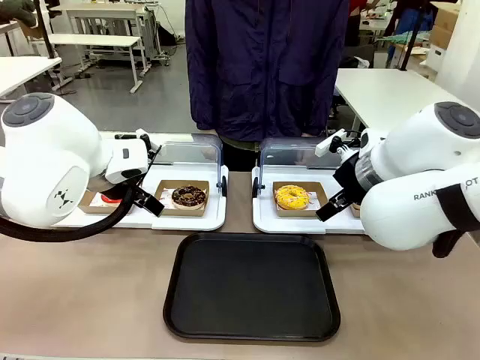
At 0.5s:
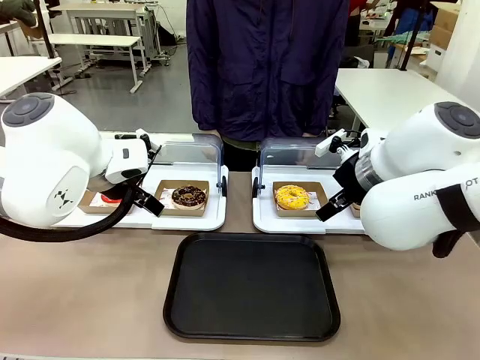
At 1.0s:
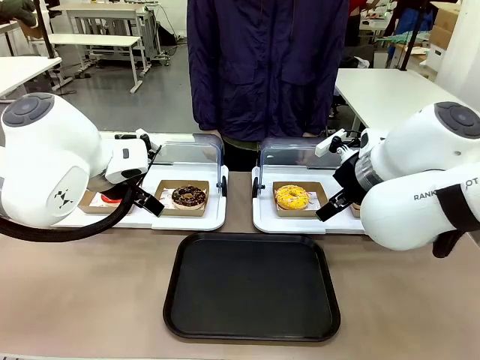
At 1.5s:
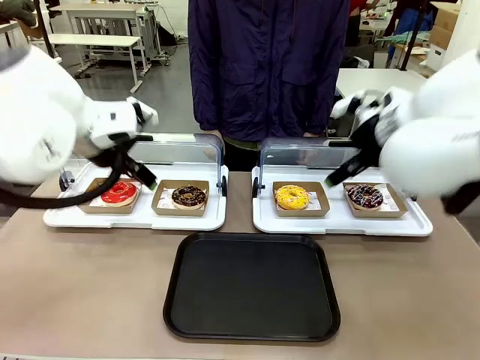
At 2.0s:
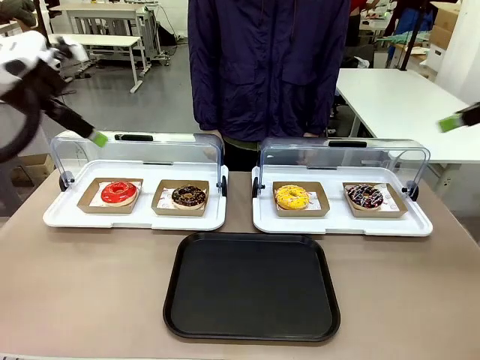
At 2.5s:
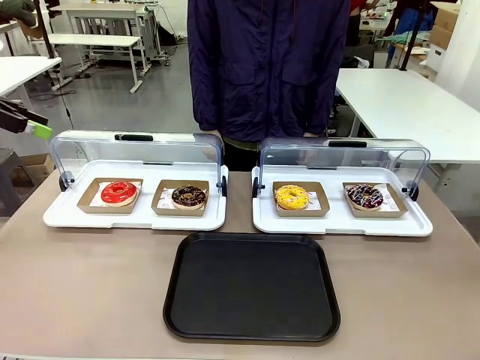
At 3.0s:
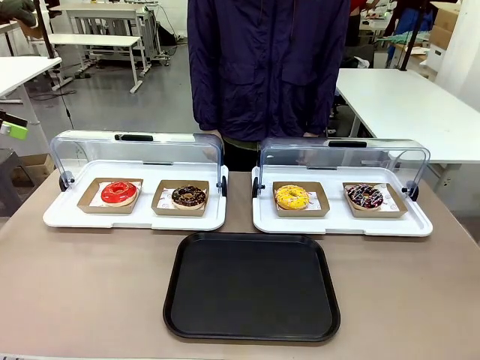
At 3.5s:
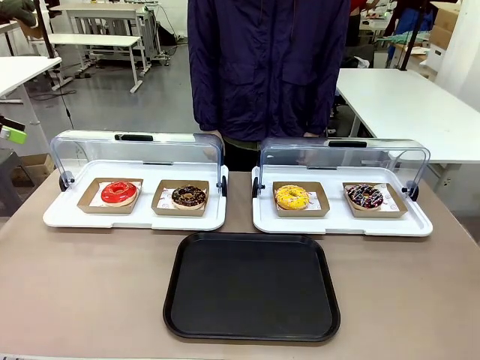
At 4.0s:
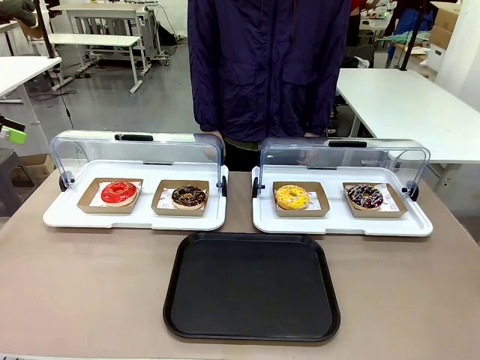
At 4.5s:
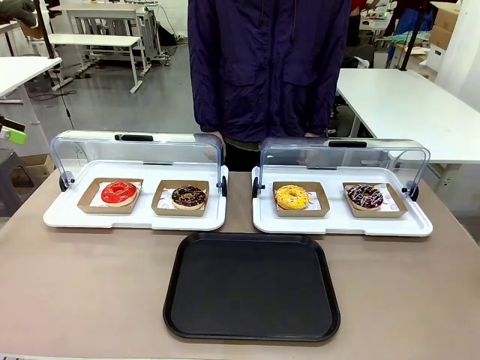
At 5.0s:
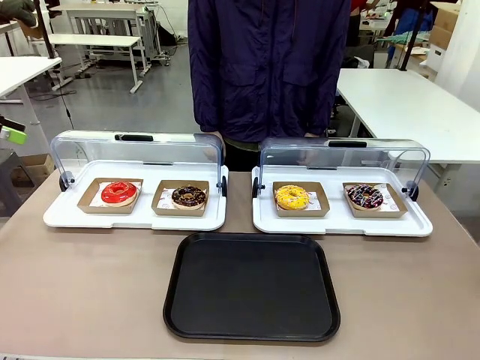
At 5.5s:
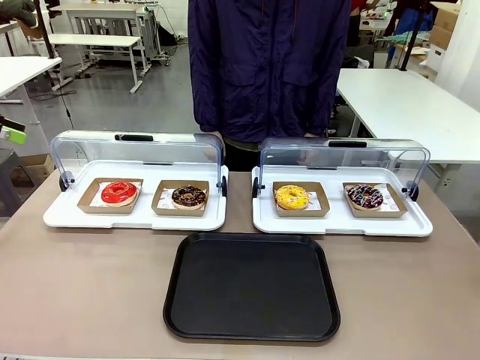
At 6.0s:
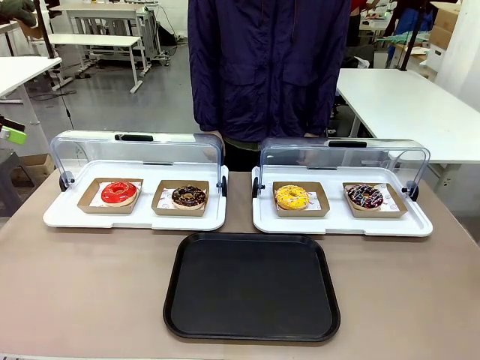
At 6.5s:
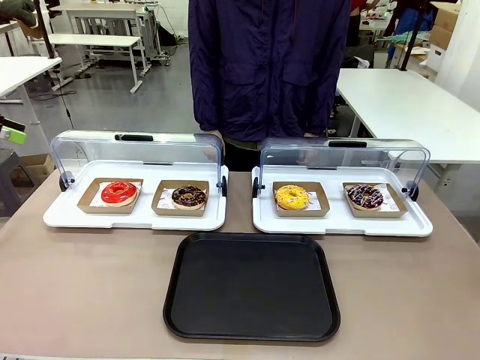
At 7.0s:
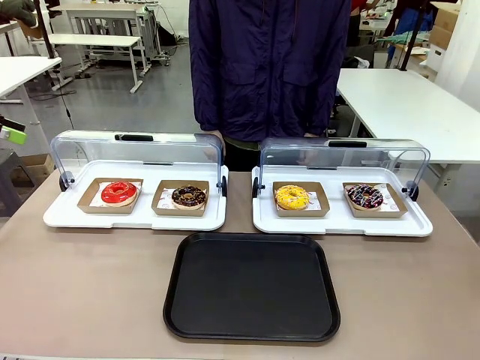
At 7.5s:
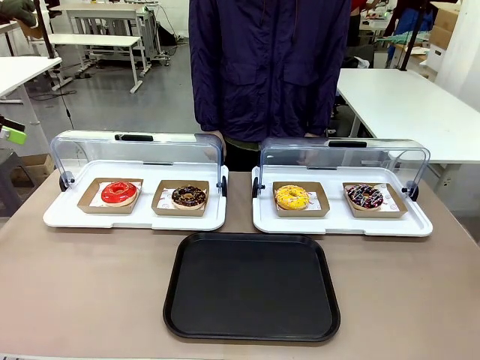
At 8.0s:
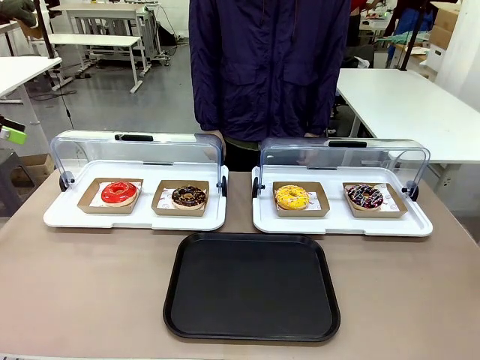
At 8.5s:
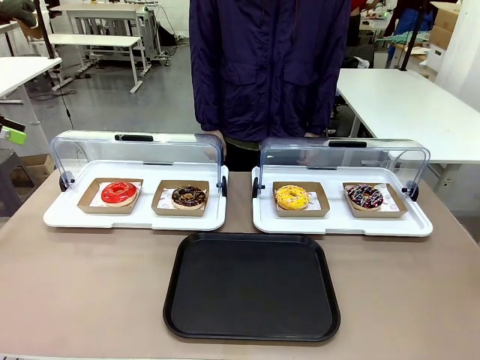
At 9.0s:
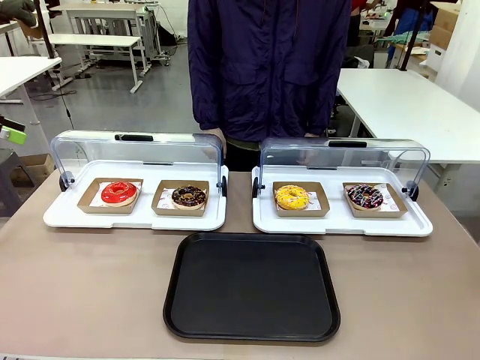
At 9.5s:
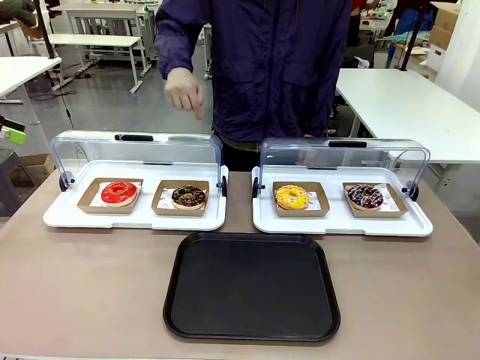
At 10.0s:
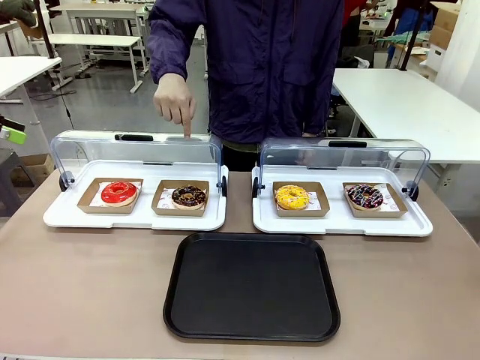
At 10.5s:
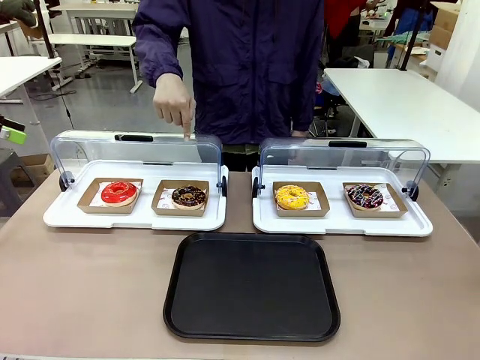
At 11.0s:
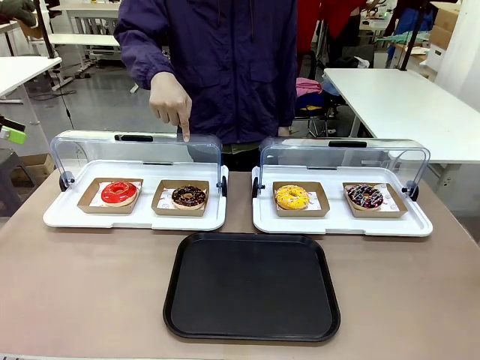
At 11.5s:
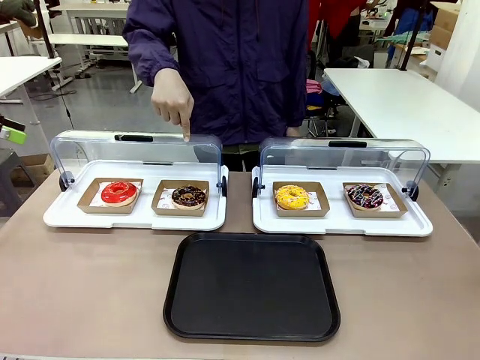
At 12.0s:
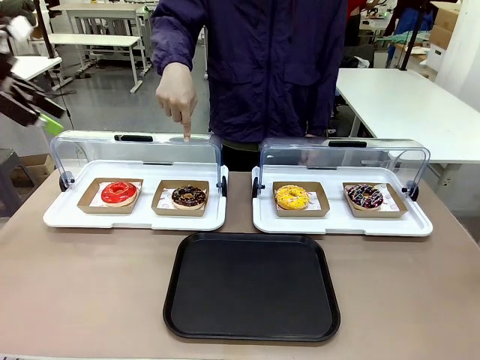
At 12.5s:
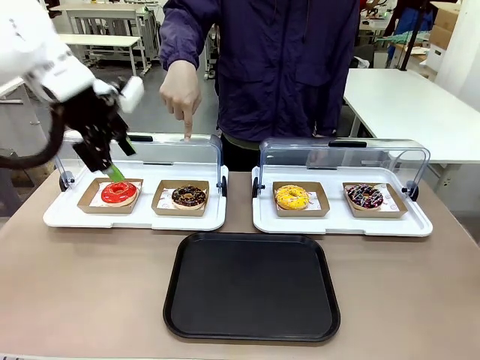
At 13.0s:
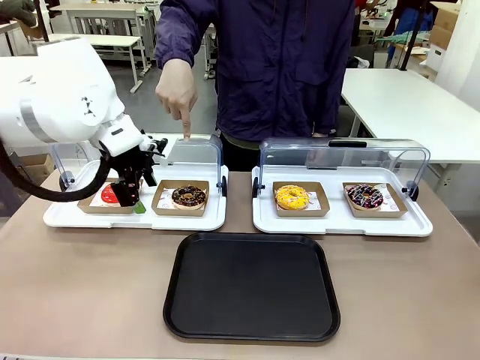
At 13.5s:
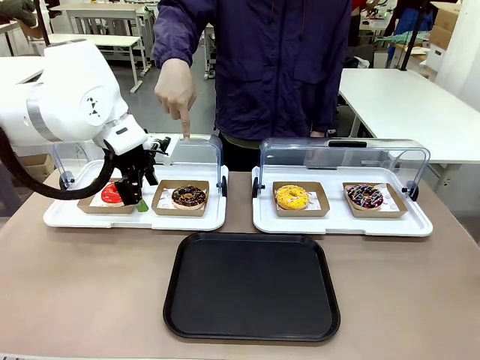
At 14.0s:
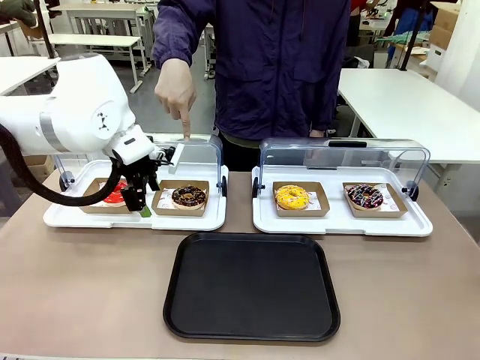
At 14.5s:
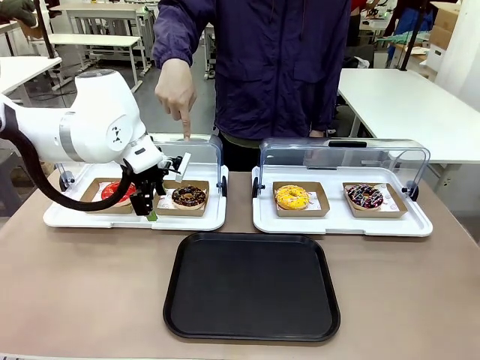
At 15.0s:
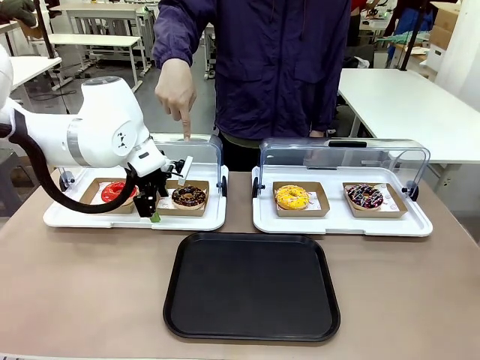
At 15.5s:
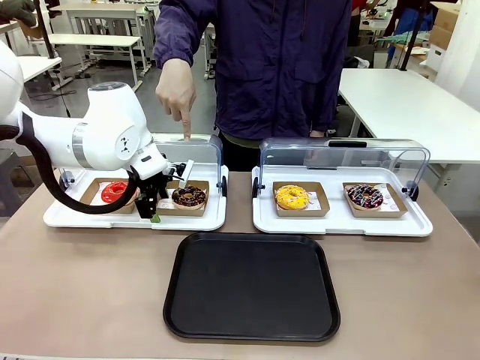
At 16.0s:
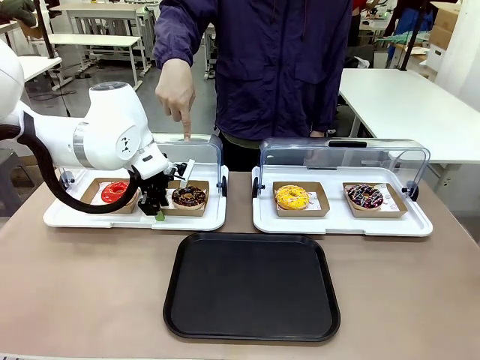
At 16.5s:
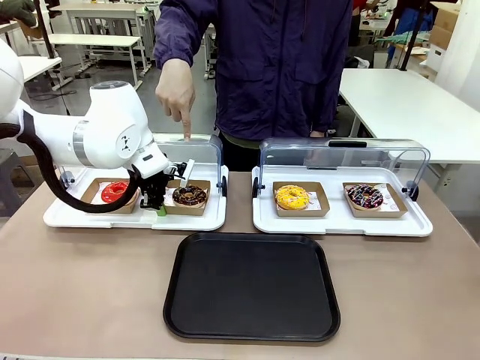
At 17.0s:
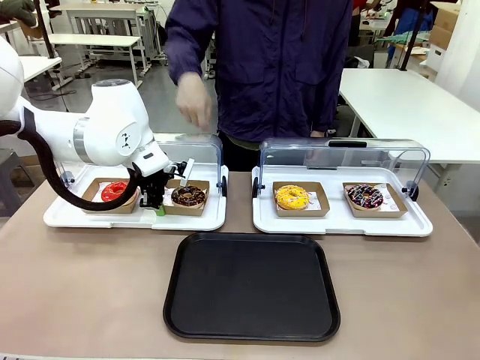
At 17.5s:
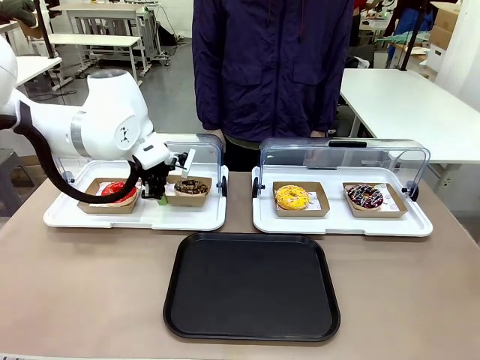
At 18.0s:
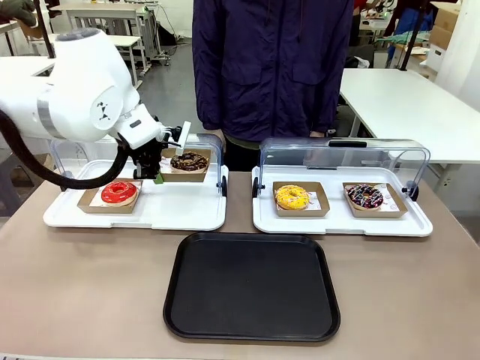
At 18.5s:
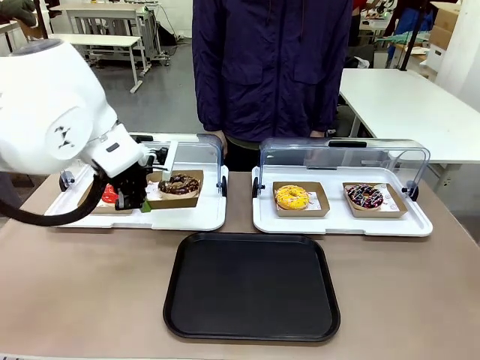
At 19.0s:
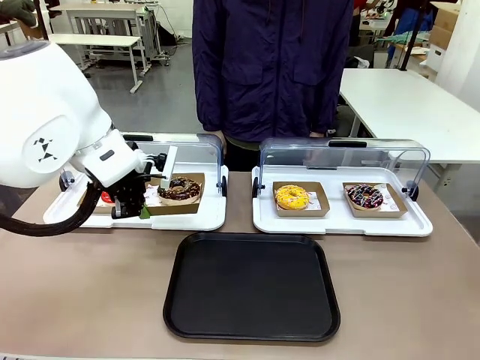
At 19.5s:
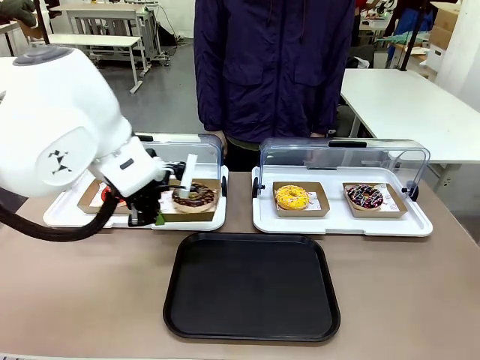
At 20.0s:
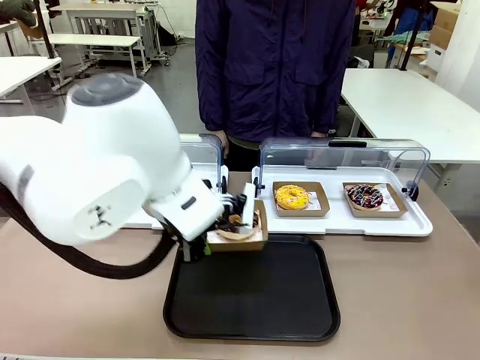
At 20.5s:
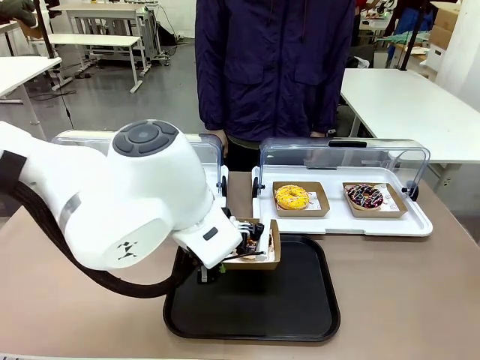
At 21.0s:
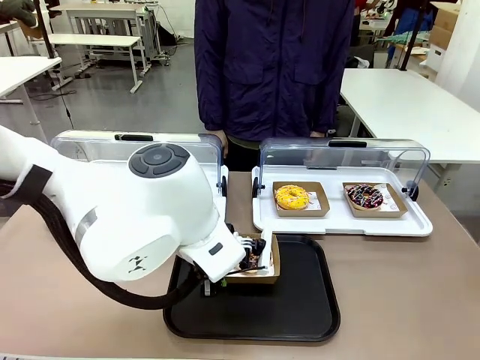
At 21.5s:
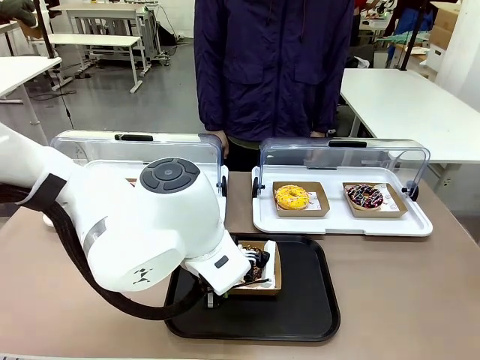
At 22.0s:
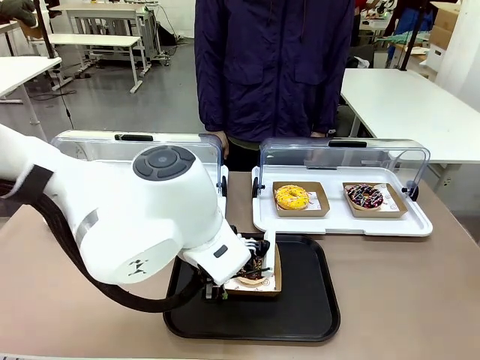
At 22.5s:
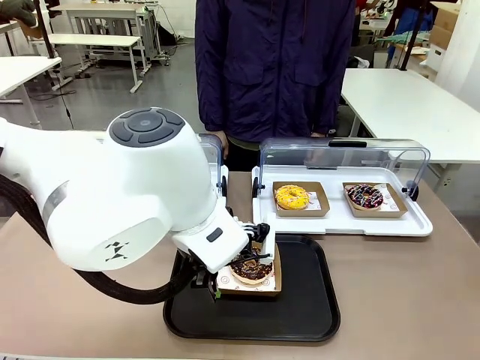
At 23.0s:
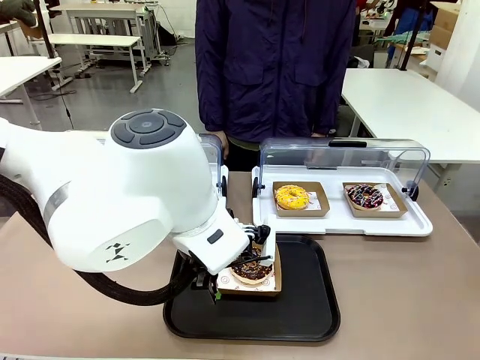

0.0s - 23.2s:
Task: Move the second donut from the left to the tray.
Robot: Pick up the Paper togo box containing the Donut indicated by the person and place it on the Handle tray.
Person: Points to the second donut from the left from the robot’s perspective.

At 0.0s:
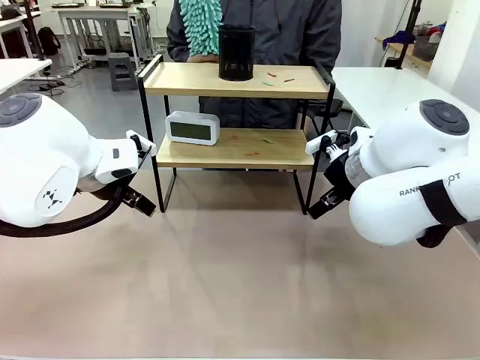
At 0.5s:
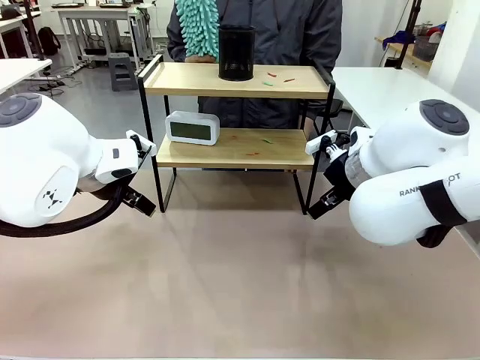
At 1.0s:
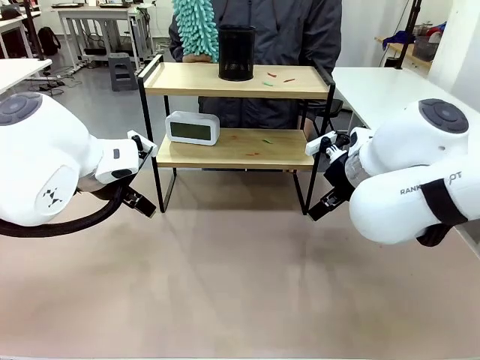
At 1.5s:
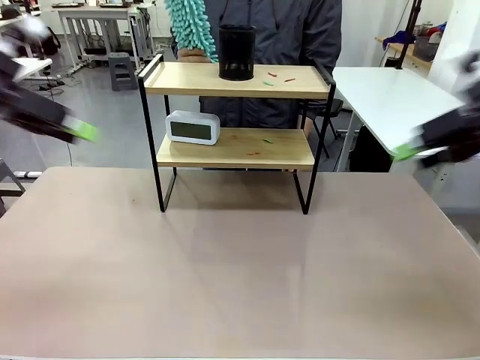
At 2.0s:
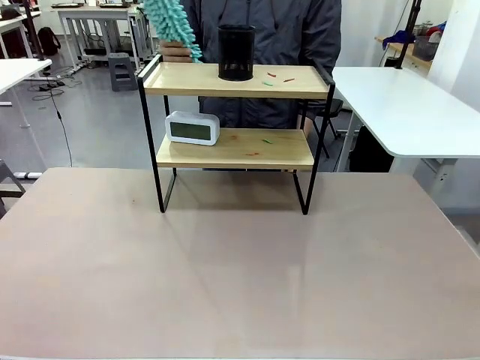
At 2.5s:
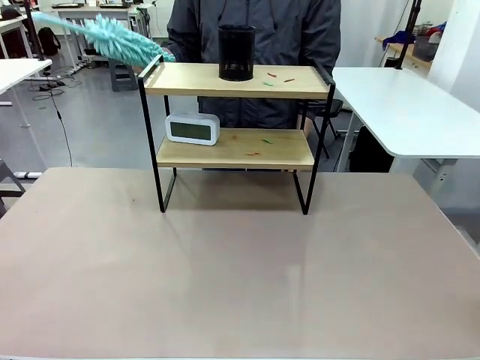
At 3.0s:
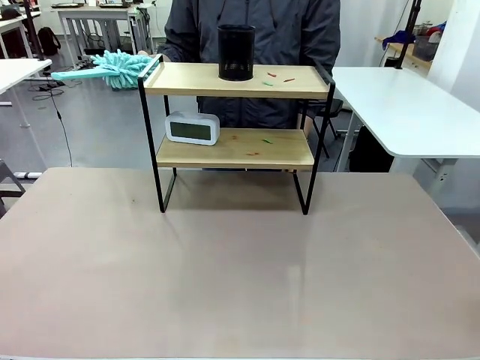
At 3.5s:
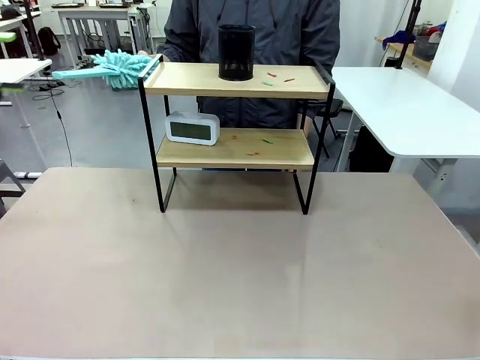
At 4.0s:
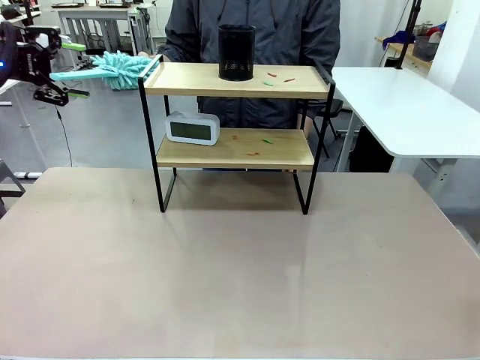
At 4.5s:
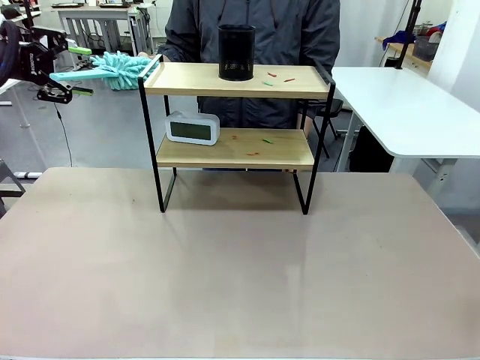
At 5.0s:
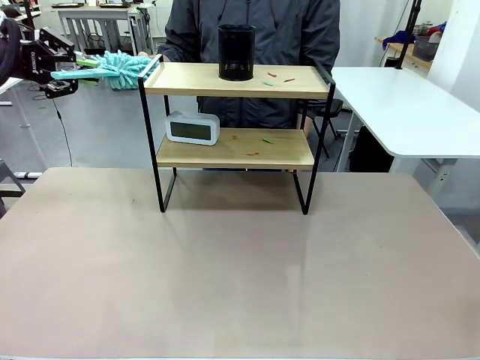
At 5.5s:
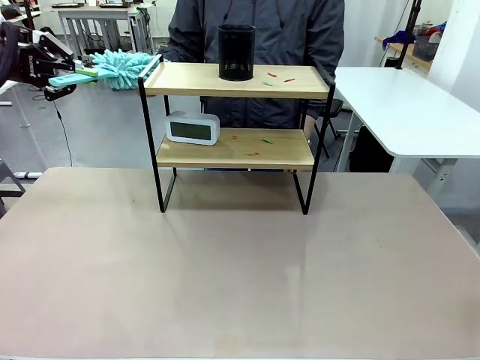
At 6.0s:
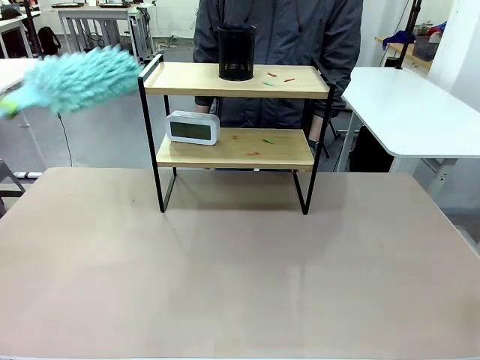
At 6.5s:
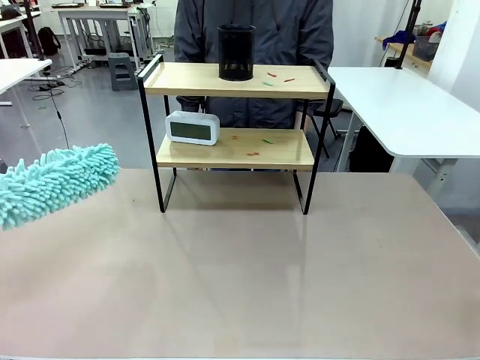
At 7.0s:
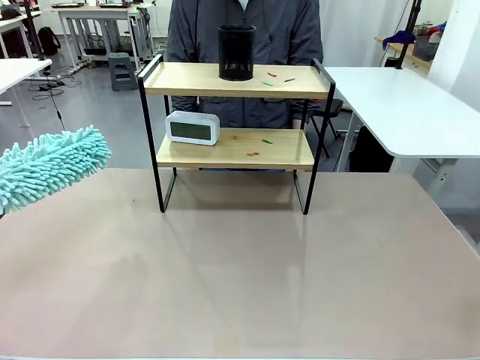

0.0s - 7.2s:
Task: Clean the shelf.
Robot: Pick up the Duster from the human.
Person: Hand the Duster to the robot.
